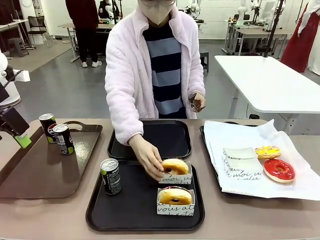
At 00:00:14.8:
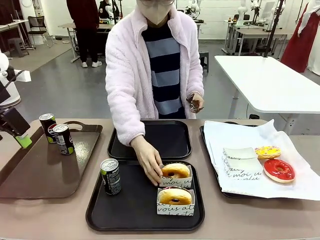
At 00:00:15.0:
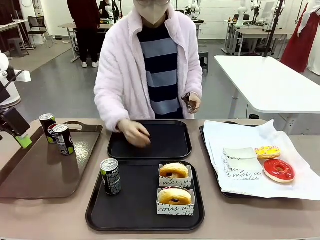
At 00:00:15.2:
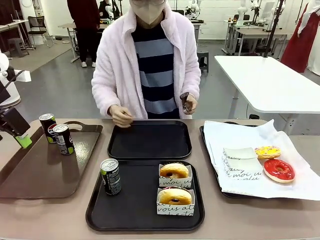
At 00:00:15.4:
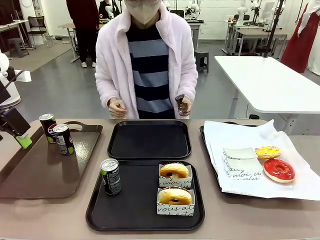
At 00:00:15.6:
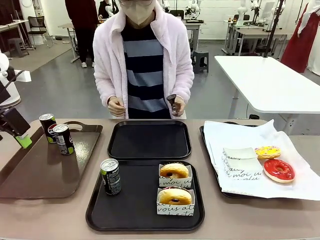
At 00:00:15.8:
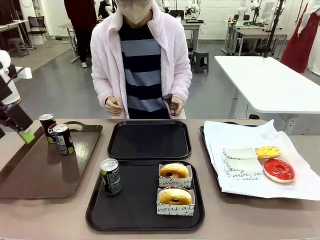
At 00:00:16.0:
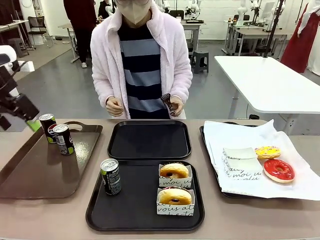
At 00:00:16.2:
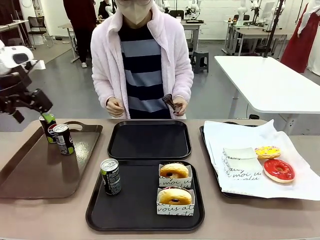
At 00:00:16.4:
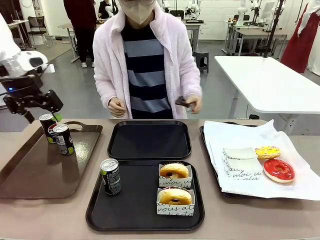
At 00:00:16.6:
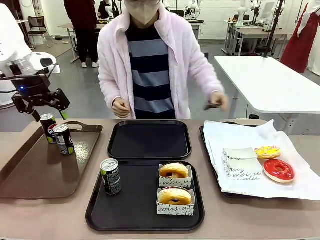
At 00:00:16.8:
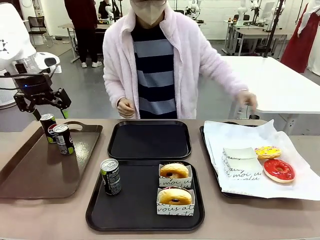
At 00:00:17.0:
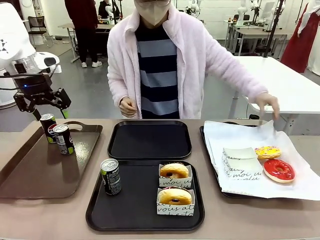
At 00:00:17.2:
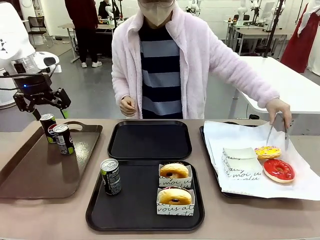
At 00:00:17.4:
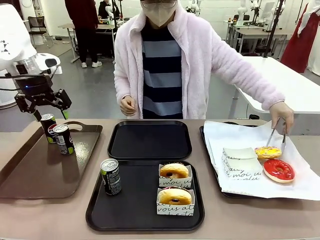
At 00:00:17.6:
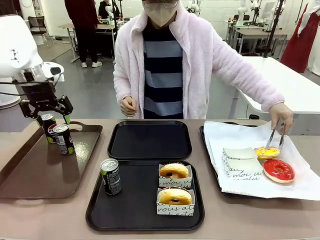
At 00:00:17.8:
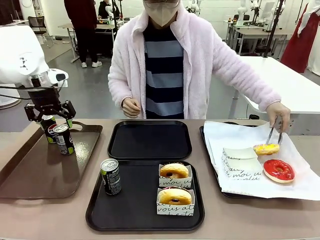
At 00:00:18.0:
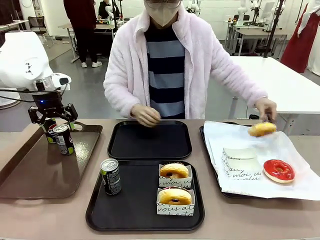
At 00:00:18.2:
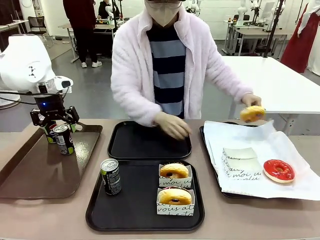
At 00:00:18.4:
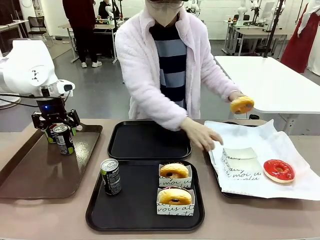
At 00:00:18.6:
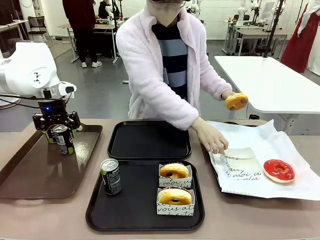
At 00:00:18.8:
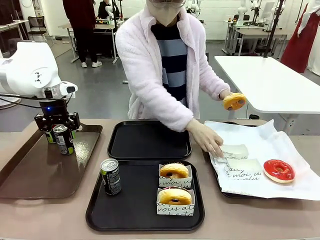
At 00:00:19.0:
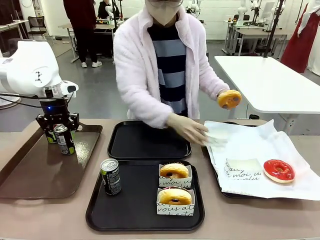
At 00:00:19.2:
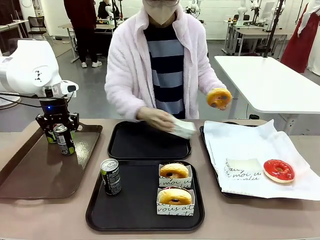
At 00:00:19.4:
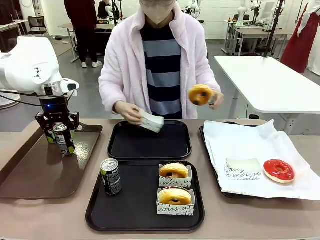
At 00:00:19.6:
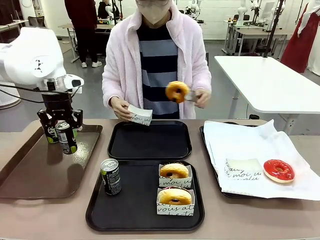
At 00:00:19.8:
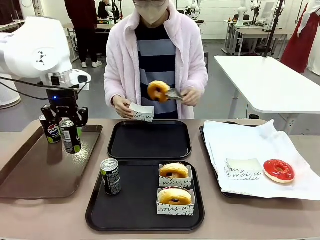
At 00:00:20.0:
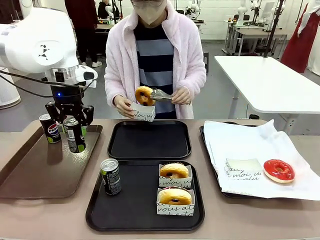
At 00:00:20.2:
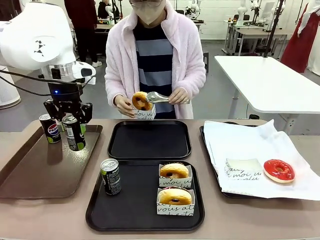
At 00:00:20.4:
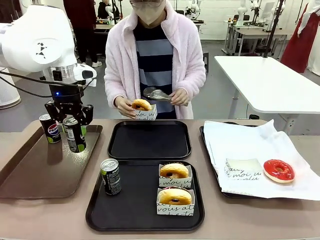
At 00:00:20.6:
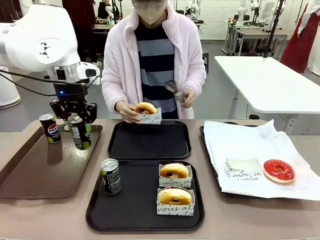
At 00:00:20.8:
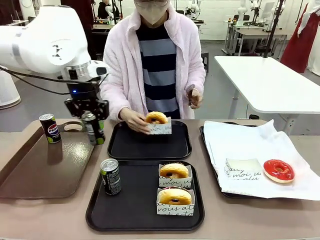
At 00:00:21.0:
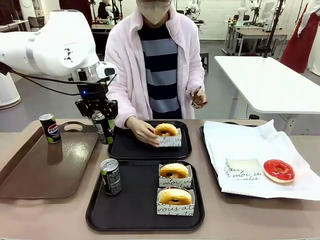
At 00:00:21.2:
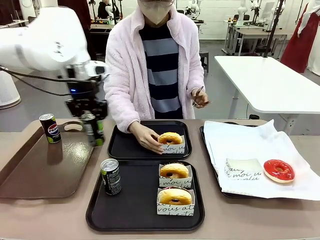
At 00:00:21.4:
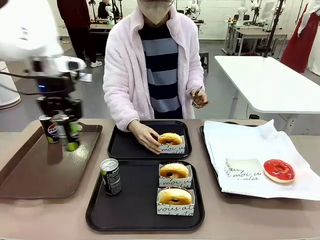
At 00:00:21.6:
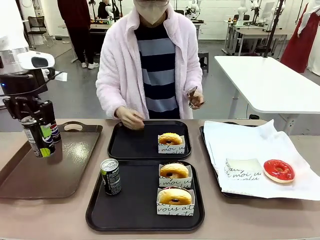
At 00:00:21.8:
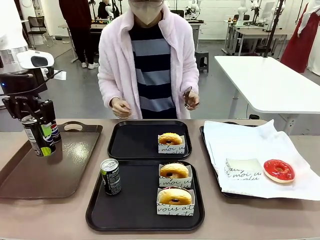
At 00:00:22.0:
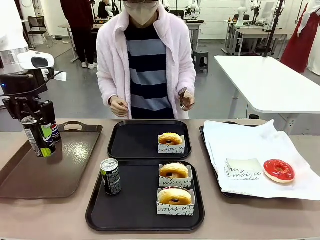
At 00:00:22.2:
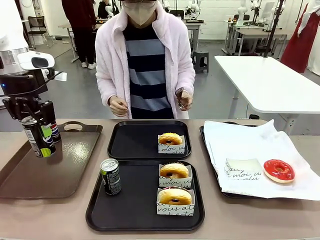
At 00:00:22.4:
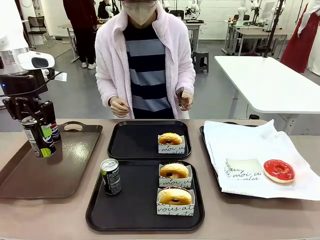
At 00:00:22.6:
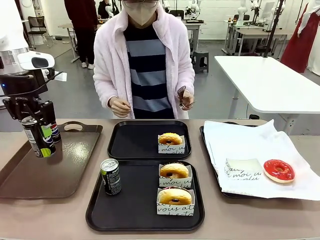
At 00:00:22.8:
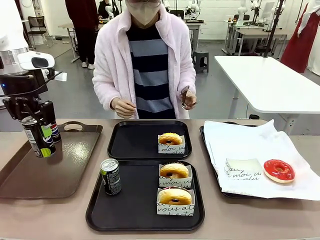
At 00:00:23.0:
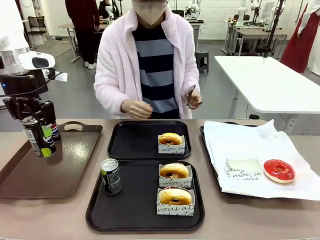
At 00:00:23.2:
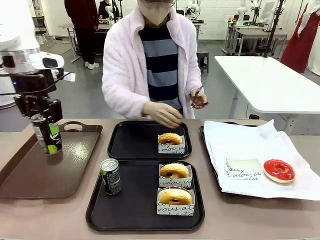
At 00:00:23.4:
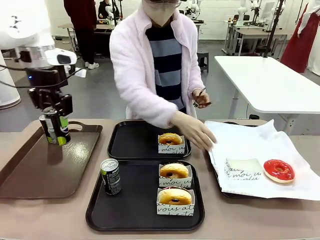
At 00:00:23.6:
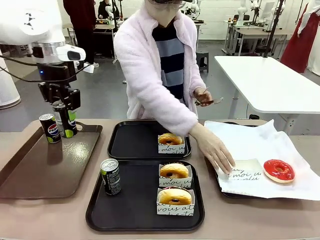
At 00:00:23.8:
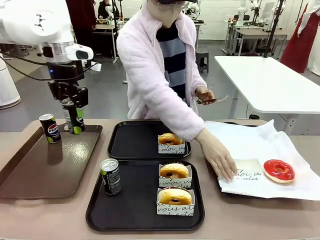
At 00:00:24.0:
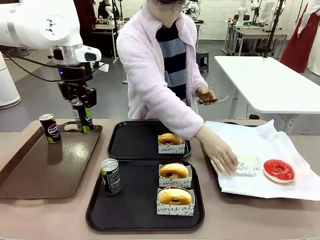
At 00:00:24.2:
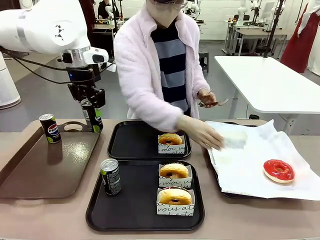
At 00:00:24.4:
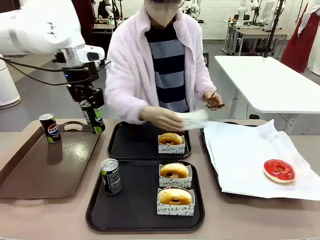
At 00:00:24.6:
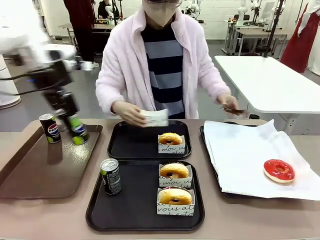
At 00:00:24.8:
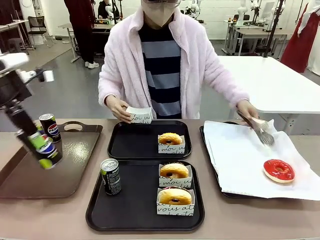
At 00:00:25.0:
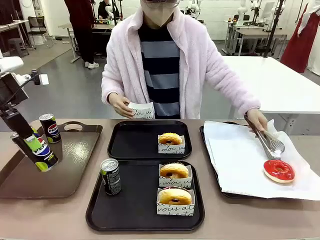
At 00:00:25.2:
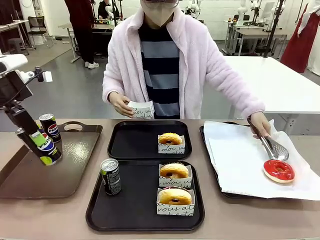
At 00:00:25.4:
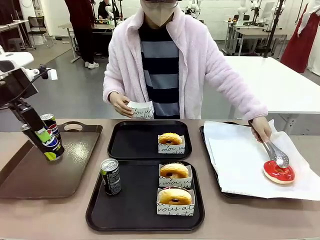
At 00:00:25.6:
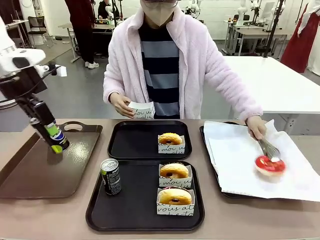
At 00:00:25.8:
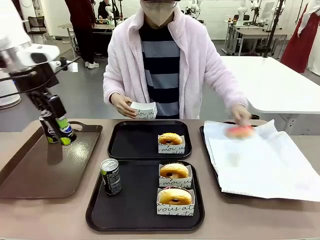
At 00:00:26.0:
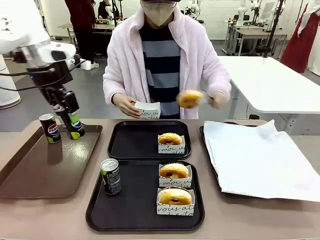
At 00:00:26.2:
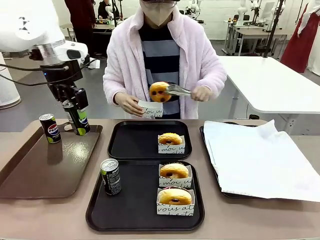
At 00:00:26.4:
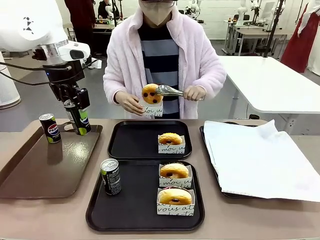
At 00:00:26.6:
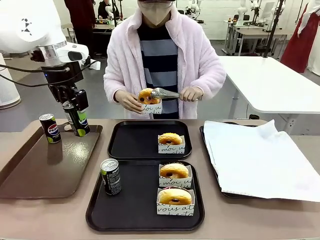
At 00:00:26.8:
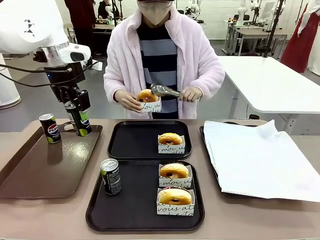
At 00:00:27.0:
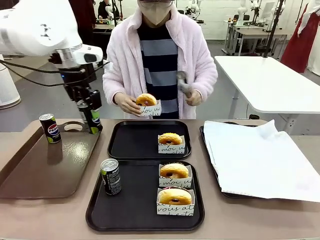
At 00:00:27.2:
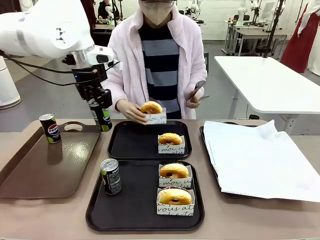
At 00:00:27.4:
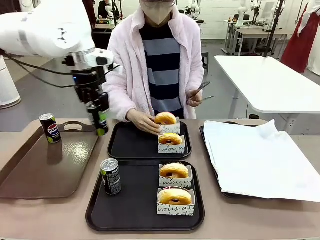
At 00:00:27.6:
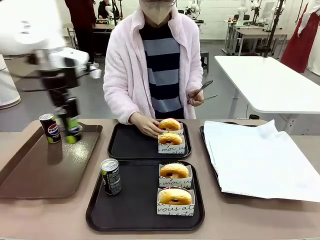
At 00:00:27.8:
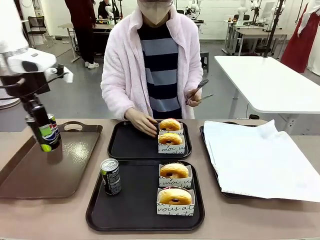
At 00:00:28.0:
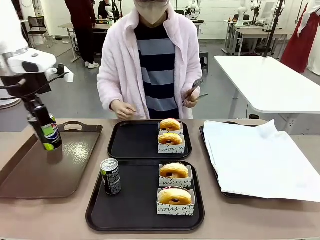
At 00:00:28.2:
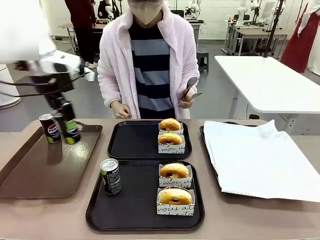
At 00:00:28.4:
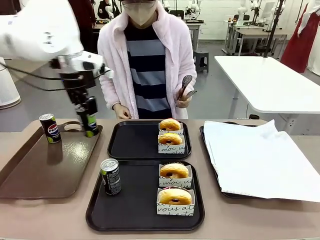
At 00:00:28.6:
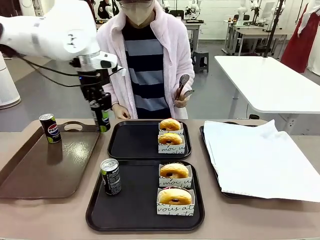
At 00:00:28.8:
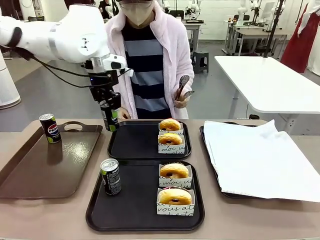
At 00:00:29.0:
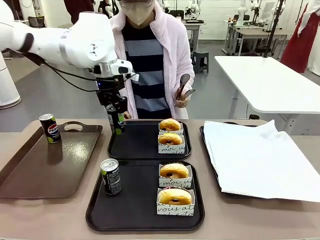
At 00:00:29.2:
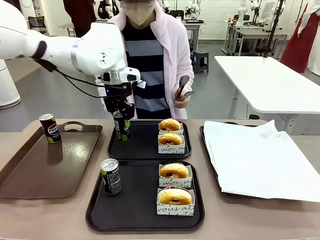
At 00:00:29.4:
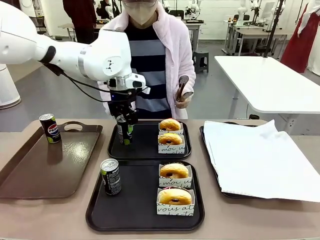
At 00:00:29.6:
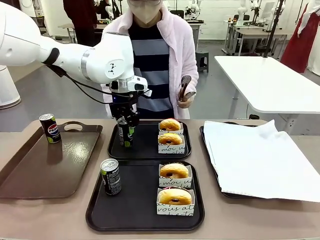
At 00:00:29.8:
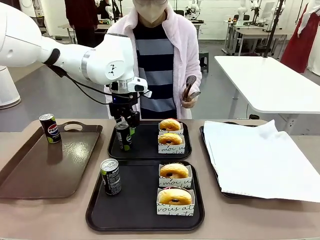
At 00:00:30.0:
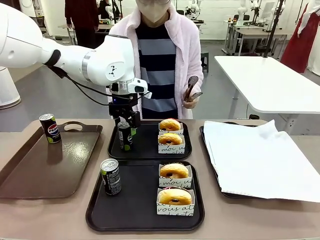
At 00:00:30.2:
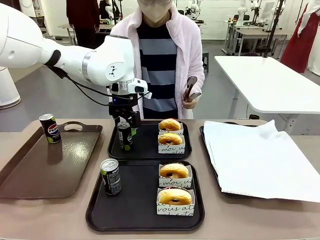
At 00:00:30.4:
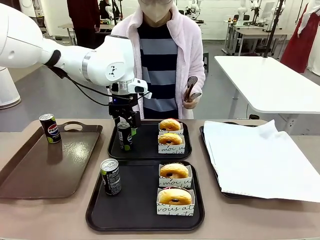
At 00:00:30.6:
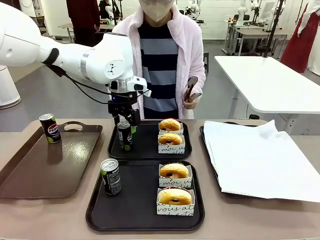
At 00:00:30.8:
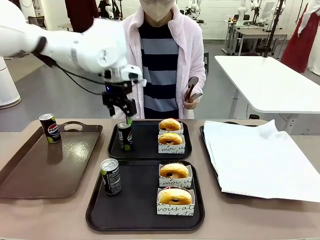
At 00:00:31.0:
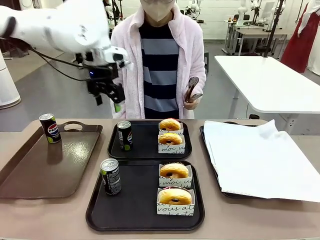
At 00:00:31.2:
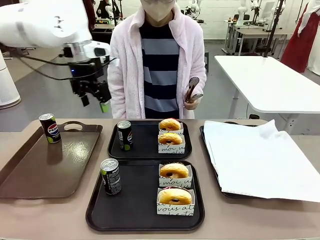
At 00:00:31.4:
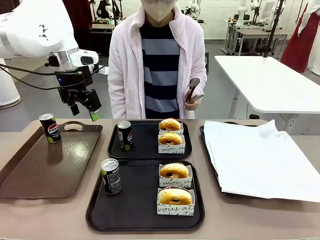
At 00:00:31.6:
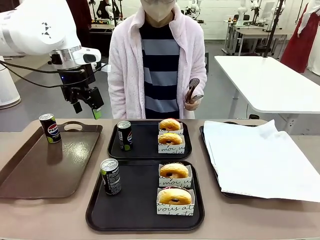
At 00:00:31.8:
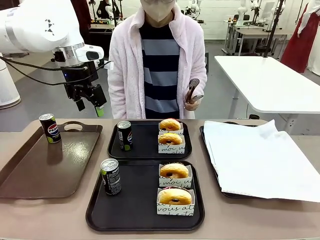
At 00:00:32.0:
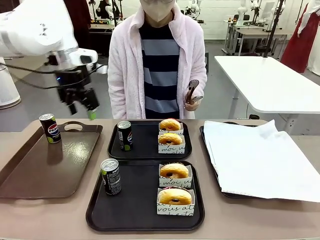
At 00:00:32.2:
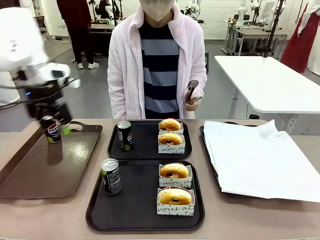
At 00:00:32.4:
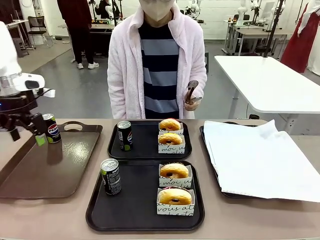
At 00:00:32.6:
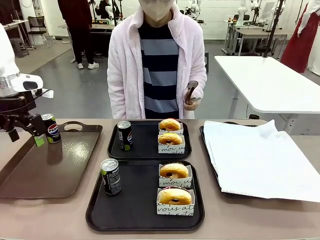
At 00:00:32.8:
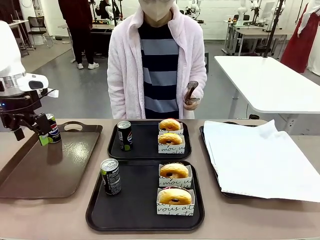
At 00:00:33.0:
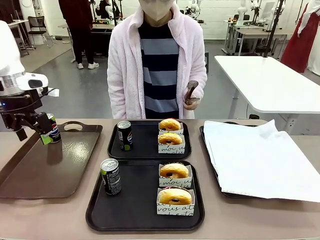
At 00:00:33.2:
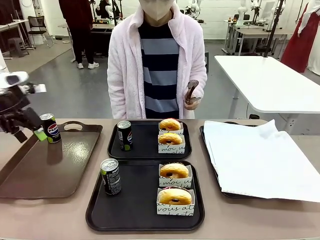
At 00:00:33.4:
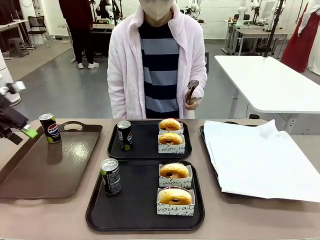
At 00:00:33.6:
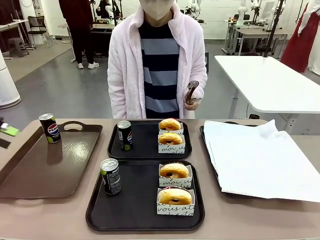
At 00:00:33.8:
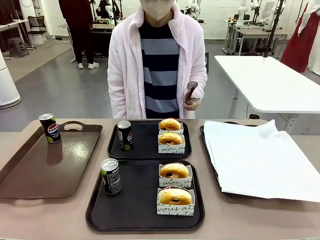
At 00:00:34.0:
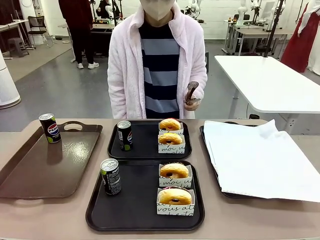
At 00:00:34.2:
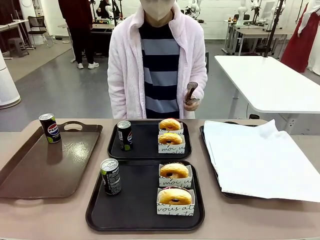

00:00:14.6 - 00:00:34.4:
Task: Set up donuts and drinks on trays.
Robot: Pick up one Pepsi coke from the Handle tray and place it on the Flat Tray without a Pepsi coke.
Person: Pick up one donut with tongs, place it in the donut tray, and then place the donut tray on the flat tray.
